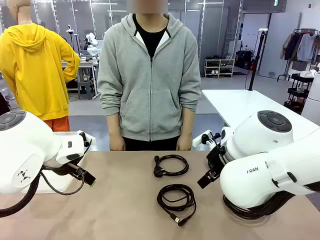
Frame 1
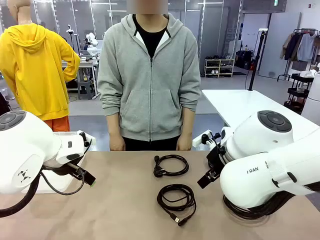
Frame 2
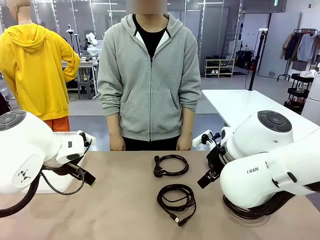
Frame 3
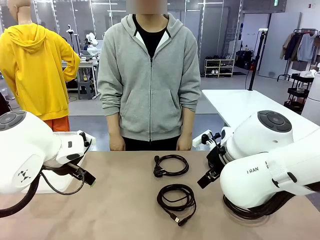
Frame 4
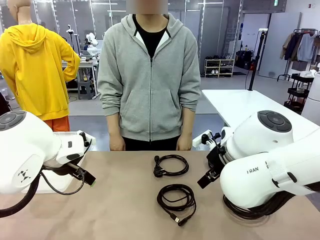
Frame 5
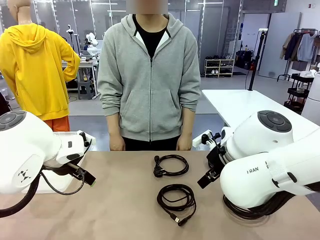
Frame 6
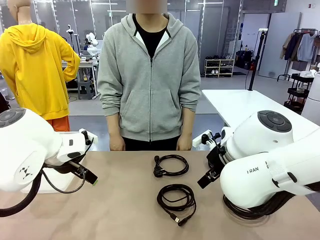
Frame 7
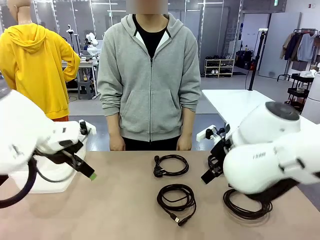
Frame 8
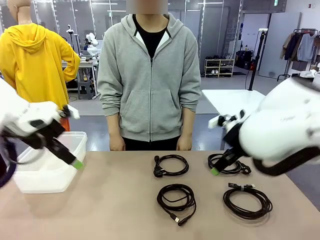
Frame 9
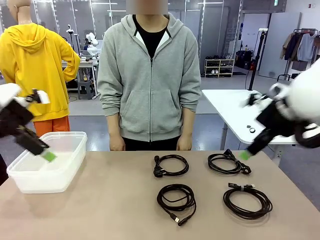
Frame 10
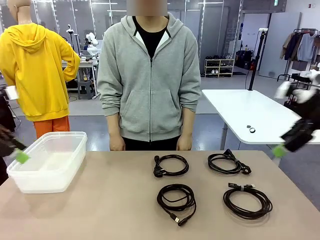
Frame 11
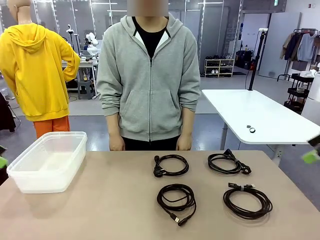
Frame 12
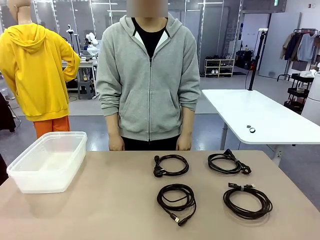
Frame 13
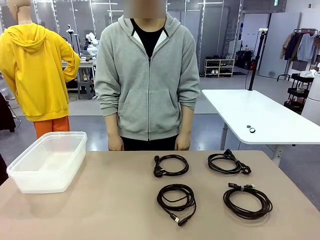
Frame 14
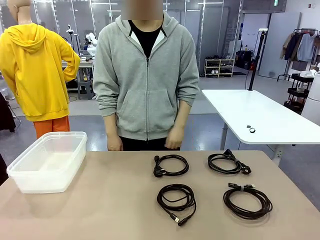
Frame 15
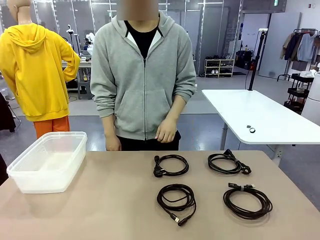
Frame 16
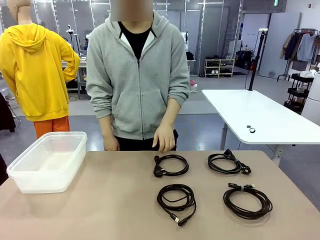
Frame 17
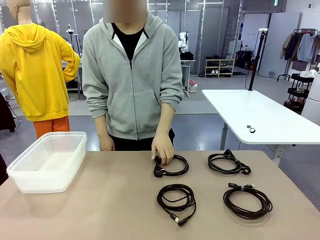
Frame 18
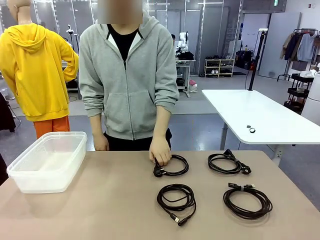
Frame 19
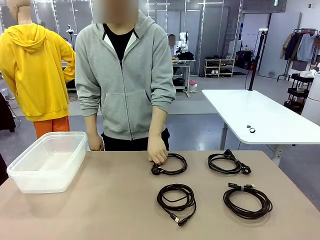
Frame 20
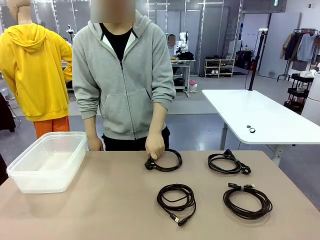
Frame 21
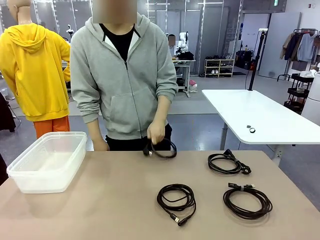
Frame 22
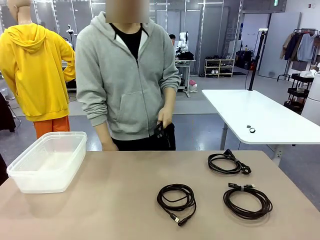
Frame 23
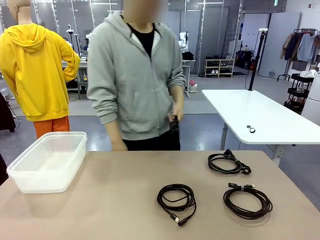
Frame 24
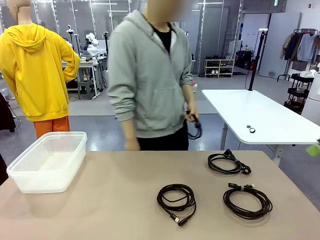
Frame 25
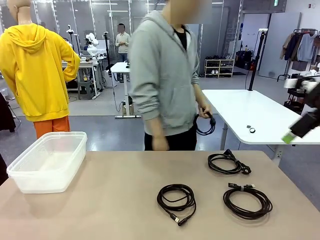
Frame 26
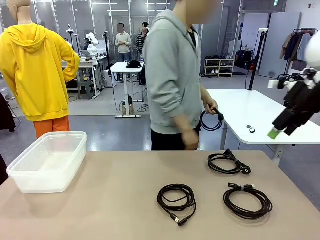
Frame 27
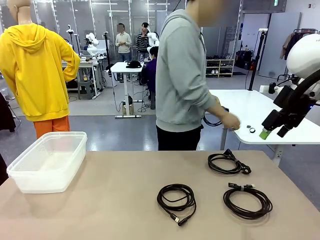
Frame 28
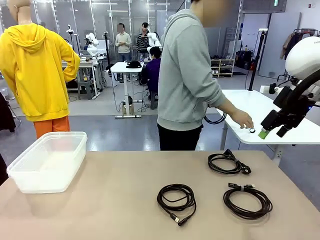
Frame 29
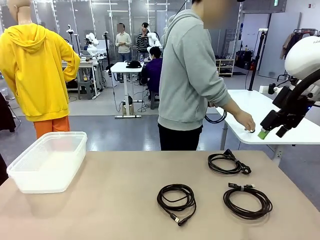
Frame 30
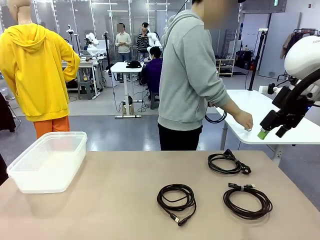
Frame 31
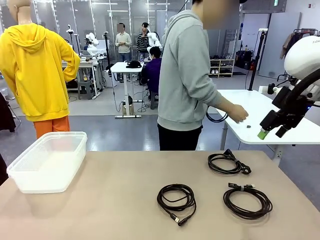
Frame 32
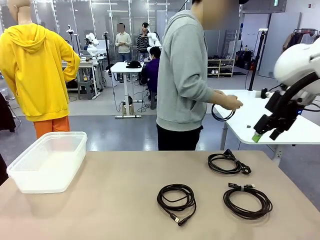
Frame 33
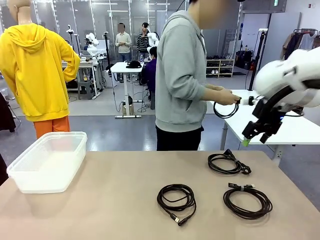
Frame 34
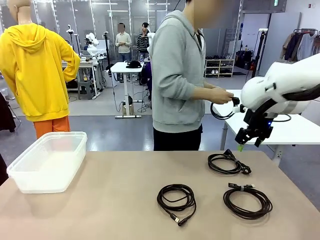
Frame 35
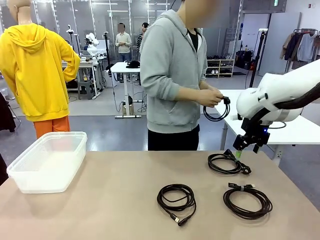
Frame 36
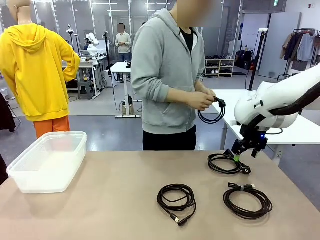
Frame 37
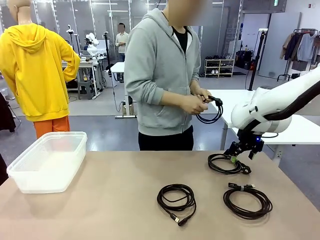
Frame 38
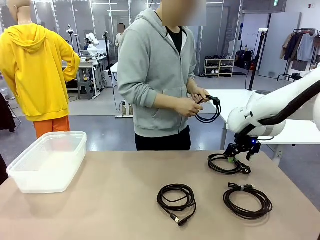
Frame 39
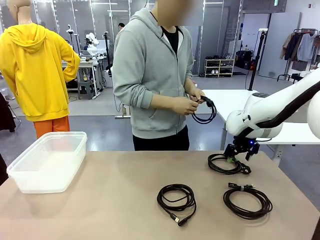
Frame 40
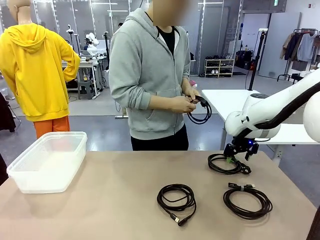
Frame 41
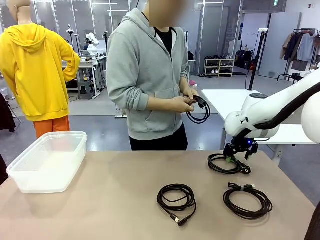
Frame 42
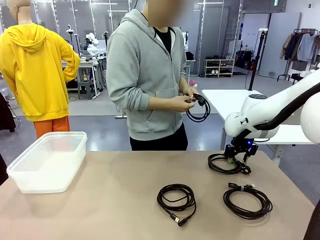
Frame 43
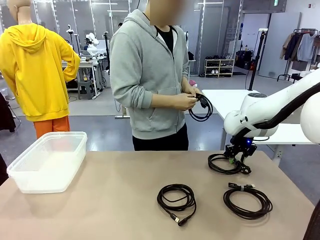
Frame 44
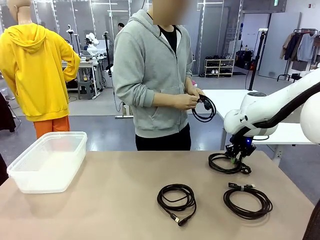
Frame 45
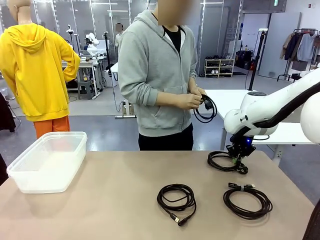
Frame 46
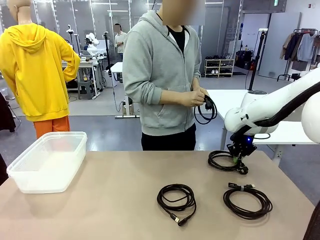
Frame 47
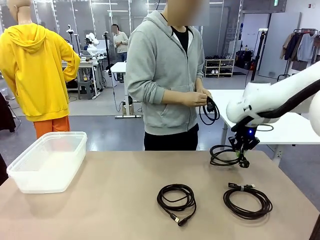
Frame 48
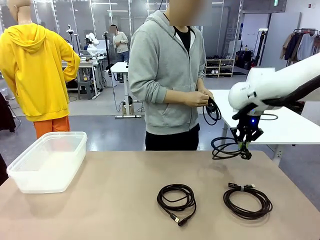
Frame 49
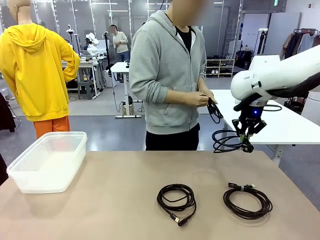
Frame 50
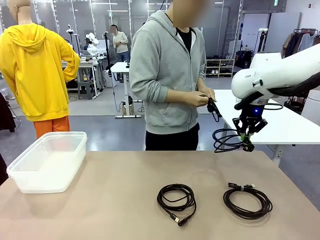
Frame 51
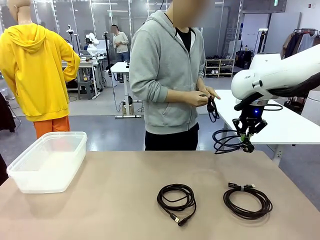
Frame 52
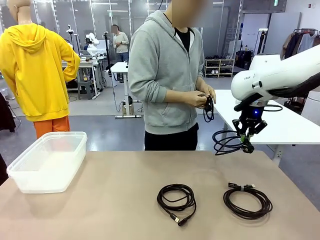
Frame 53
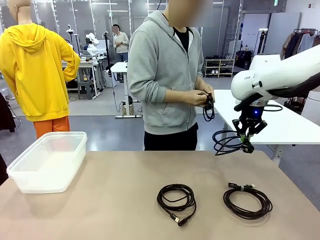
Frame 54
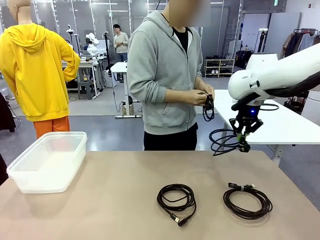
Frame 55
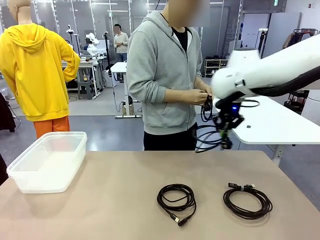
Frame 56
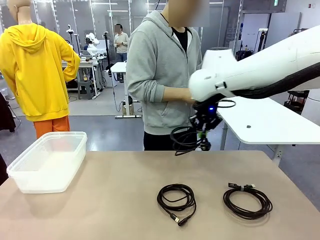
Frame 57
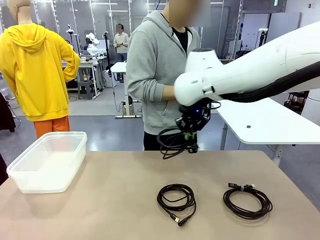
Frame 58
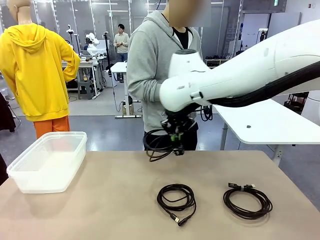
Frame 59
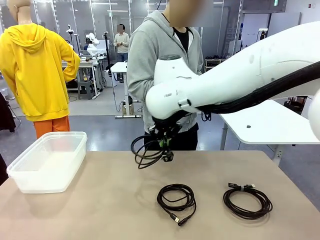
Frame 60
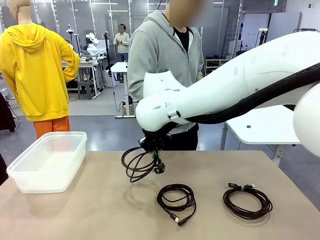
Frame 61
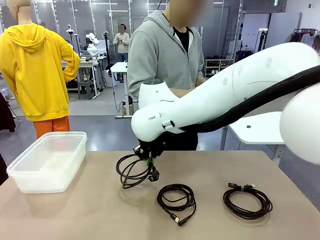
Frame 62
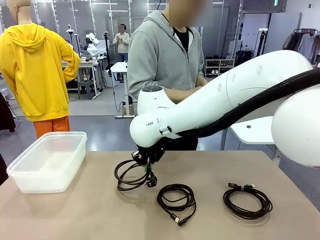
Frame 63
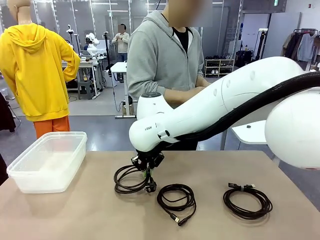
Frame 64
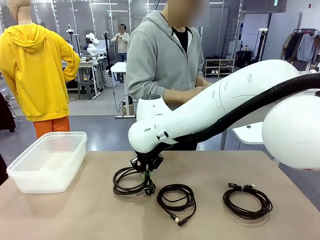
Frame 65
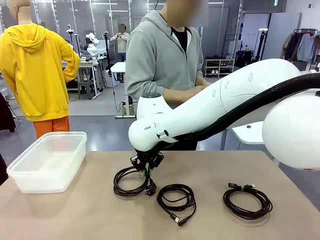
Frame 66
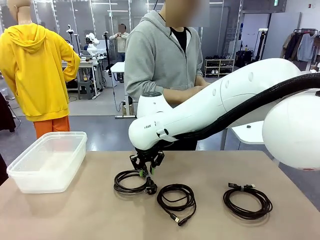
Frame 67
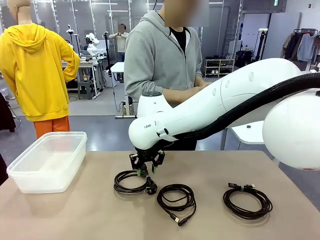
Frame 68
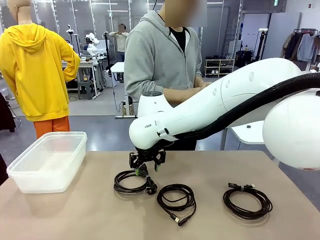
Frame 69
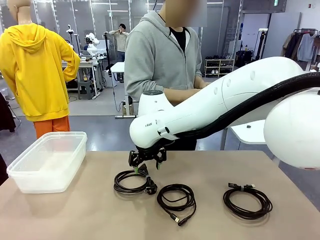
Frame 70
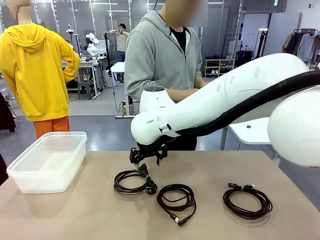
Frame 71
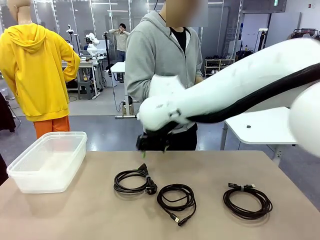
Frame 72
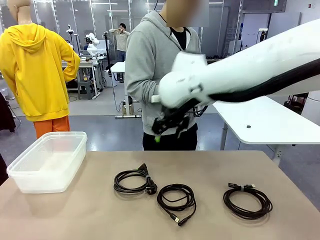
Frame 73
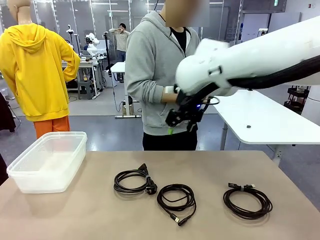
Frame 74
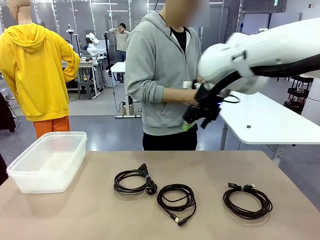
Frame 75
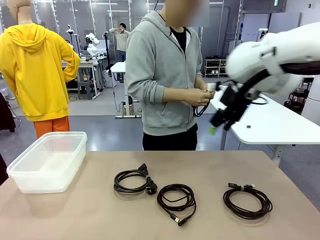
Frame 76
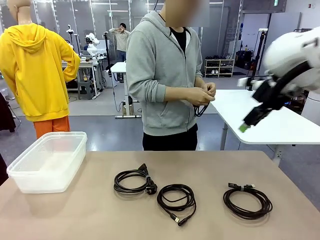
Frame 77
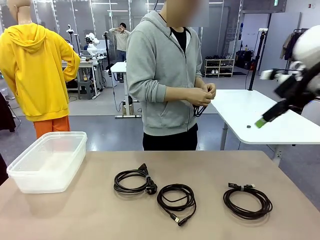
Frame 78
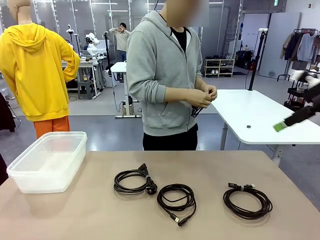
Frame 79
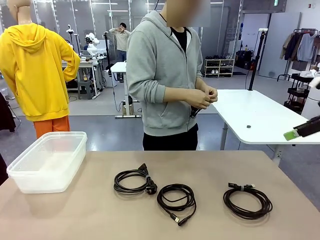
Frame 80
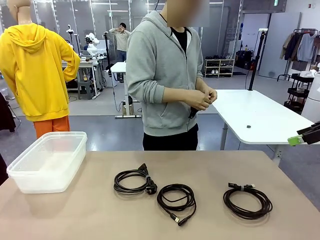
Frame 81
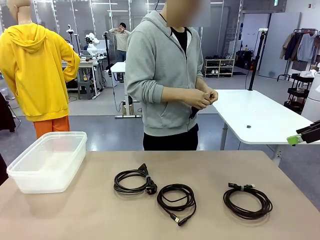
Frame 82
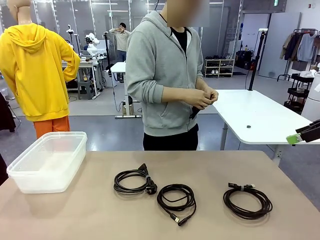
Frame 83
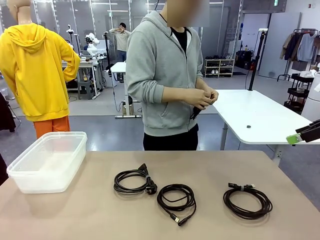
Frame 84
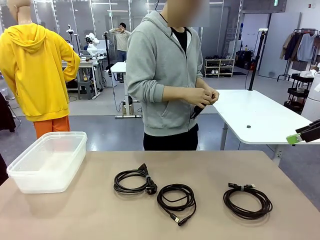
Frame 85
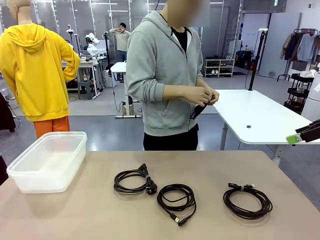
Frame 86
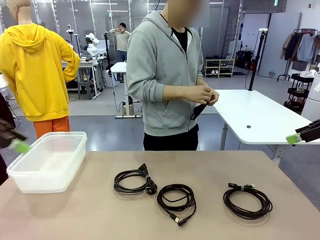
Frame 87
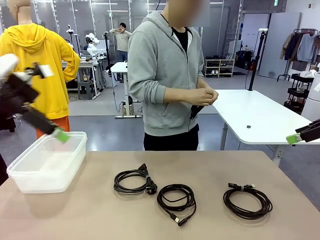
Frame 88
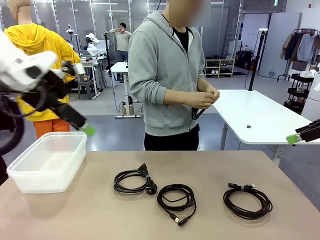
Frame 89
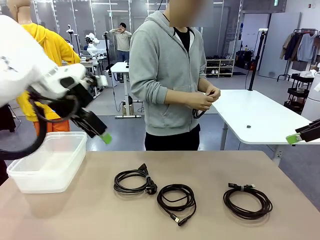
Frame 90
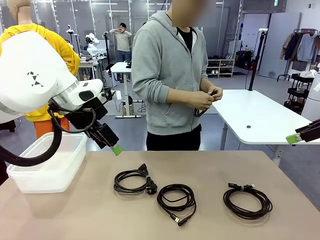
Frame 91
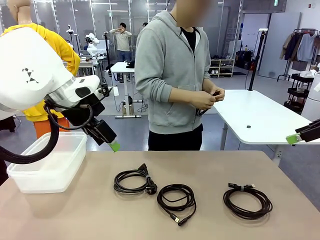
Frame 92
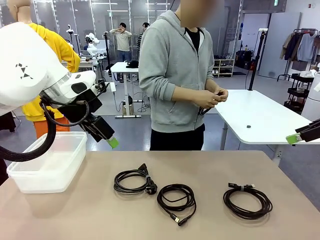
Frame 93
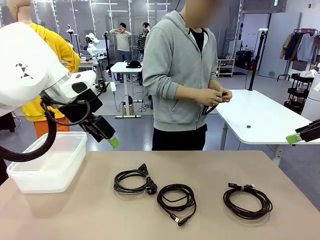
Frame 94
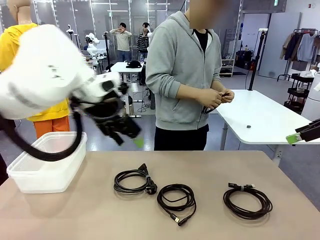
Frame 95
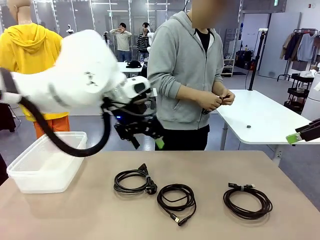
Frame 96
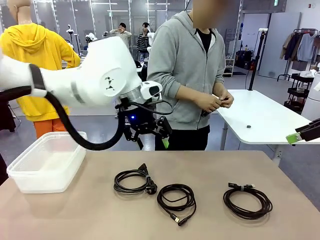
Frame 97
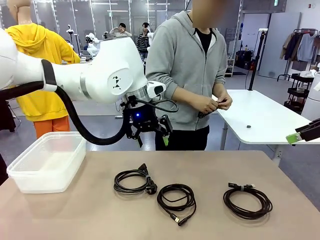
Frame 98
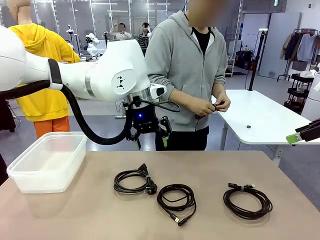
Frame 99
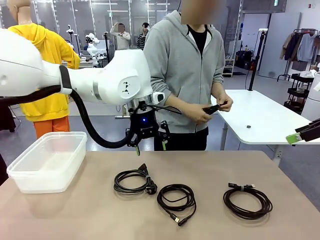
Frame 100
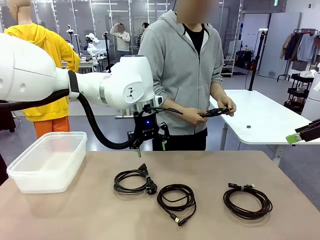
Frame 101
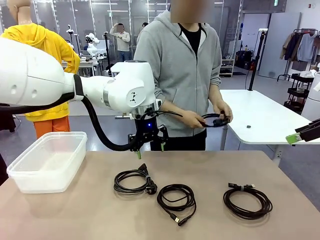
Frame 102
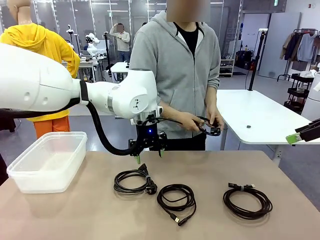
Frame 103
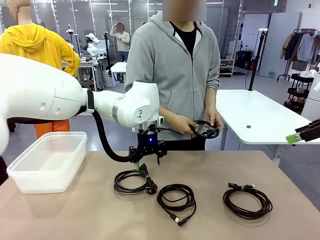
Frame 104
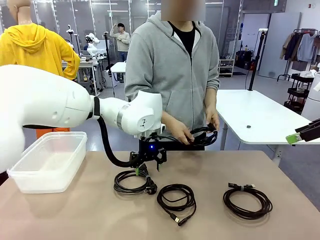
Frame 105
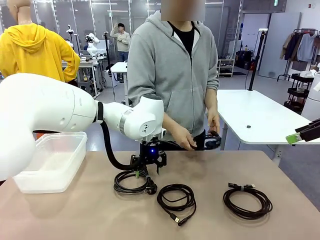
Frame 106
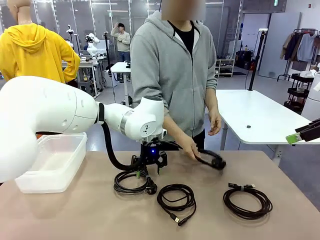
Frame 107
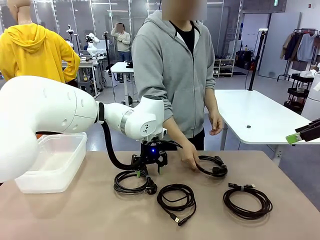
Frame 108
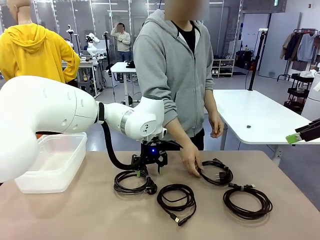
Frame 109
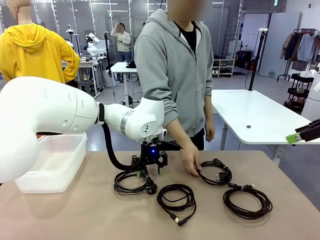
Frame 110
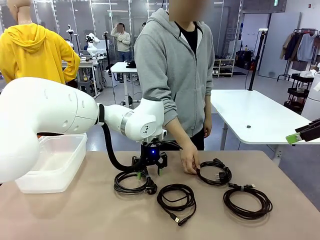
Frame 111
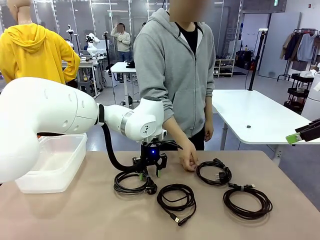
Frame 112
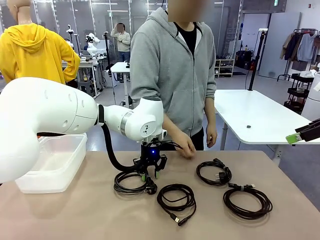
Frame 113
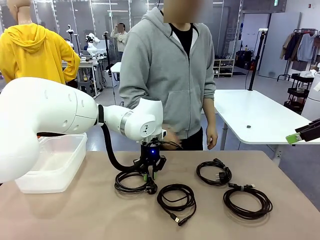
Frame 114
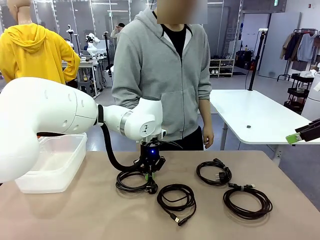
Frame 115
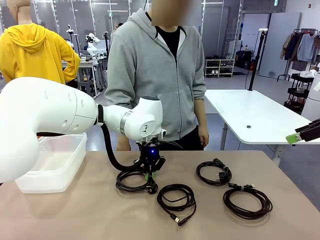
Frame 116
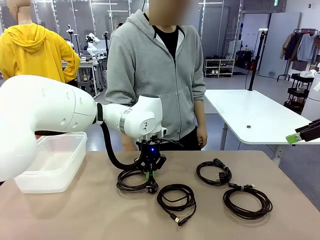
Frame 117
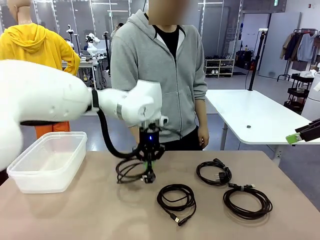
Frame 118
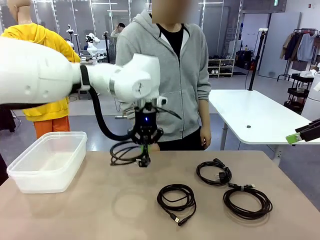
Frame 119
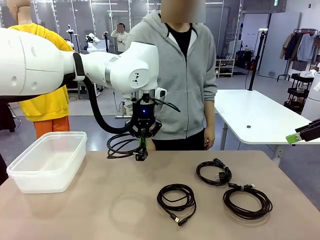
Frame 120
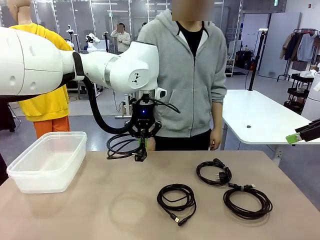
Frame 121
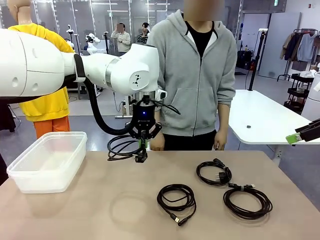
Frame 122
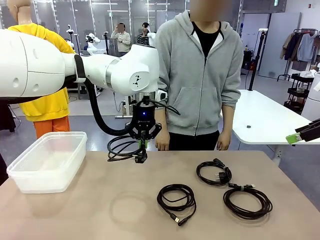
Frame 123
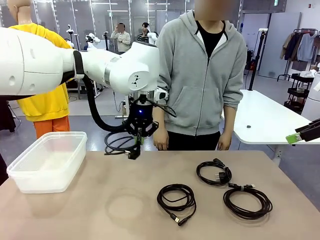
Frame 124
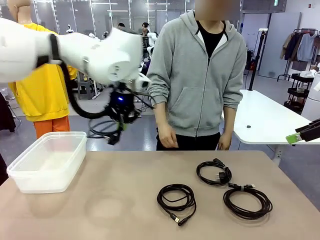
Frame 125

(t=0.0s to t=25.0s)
Task: Organize and store the cables.
Robot: Place the Power Cable into the Organizing box.
Person: Tie one Power Cable with a Reusable Cable Tie.
